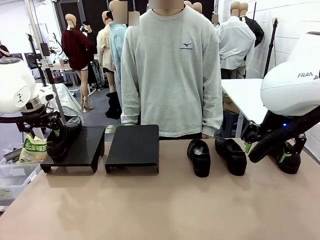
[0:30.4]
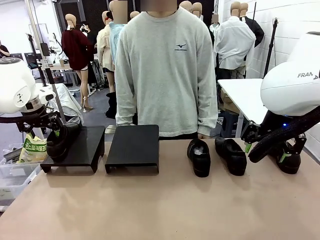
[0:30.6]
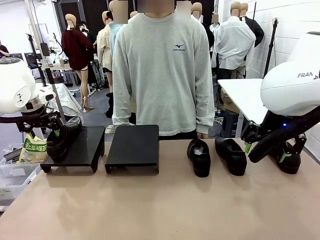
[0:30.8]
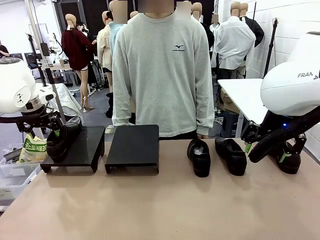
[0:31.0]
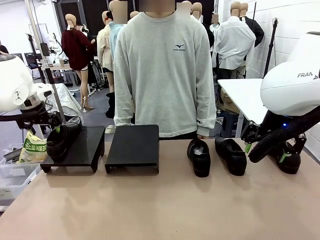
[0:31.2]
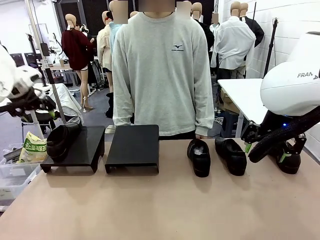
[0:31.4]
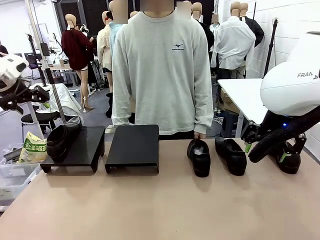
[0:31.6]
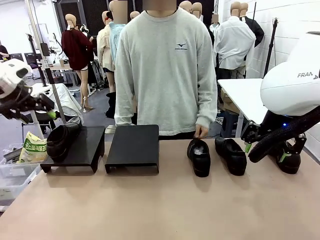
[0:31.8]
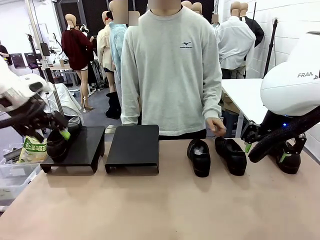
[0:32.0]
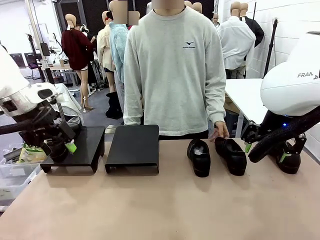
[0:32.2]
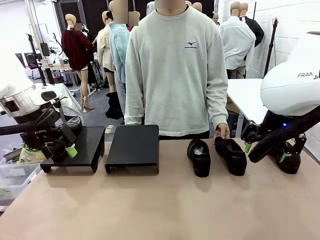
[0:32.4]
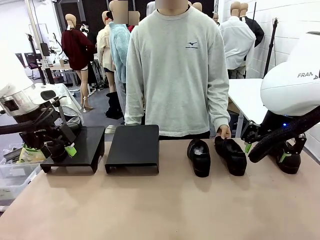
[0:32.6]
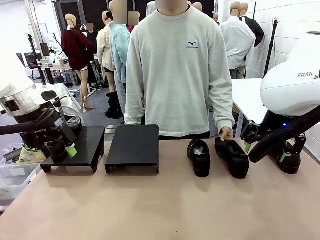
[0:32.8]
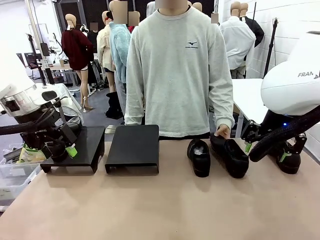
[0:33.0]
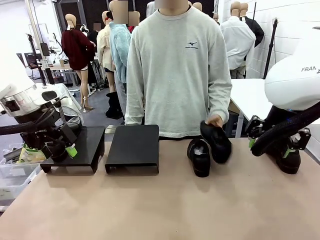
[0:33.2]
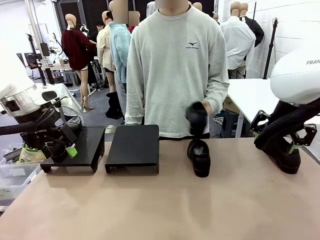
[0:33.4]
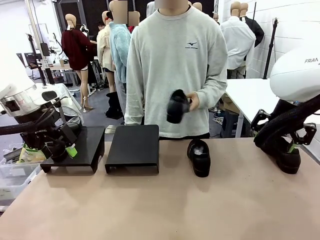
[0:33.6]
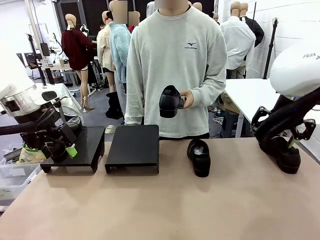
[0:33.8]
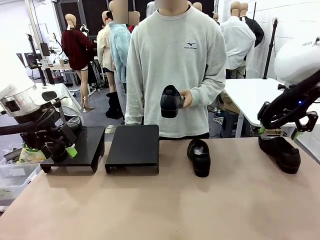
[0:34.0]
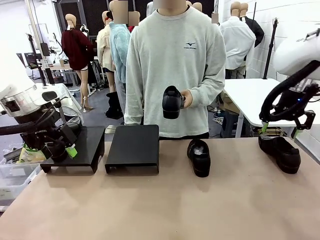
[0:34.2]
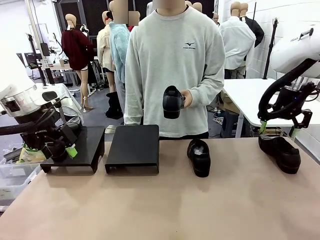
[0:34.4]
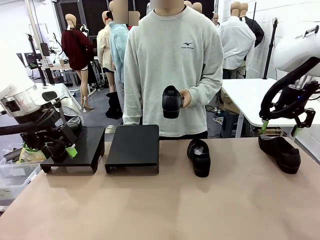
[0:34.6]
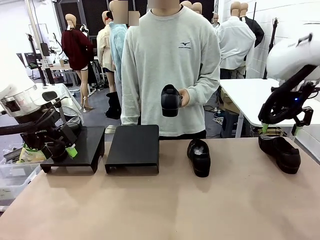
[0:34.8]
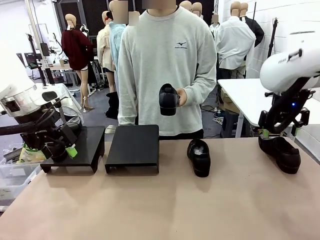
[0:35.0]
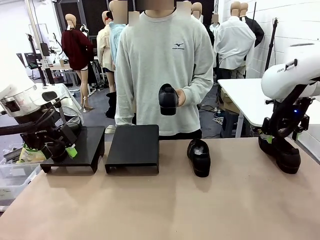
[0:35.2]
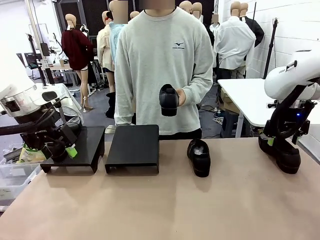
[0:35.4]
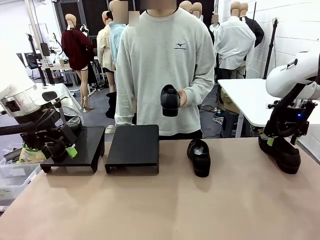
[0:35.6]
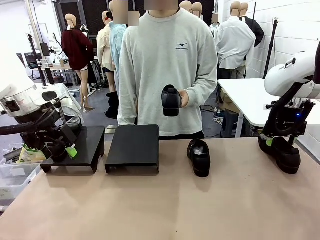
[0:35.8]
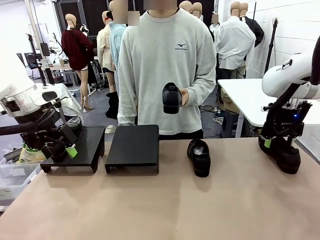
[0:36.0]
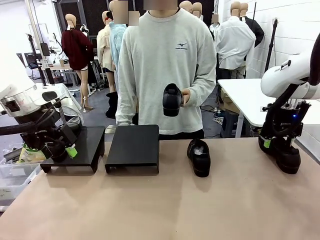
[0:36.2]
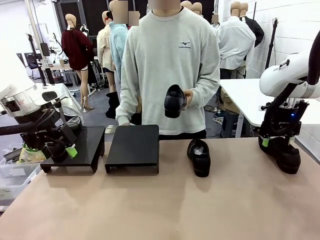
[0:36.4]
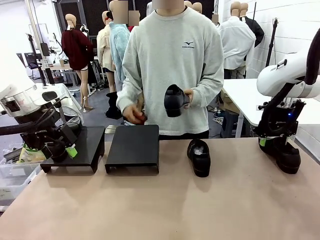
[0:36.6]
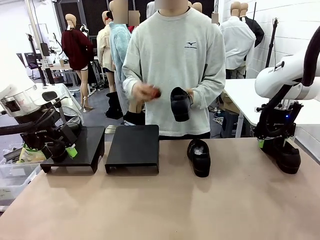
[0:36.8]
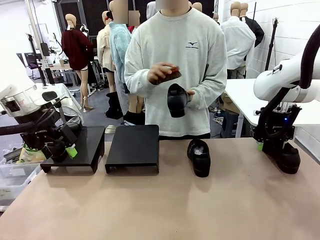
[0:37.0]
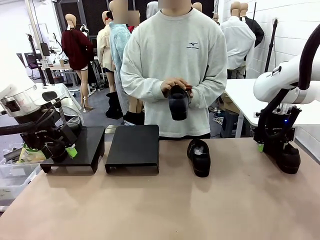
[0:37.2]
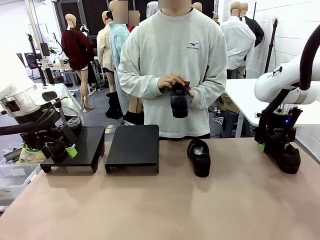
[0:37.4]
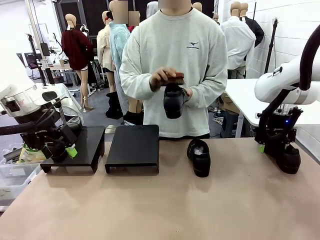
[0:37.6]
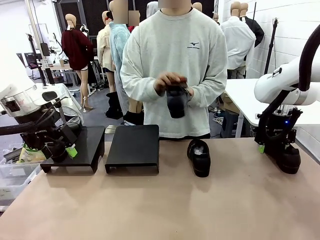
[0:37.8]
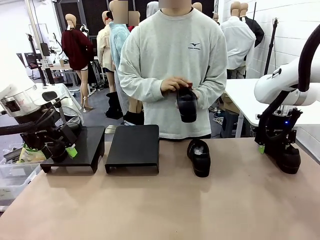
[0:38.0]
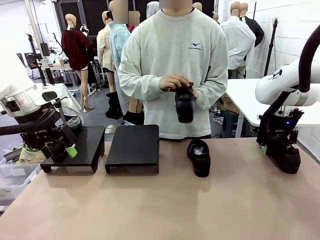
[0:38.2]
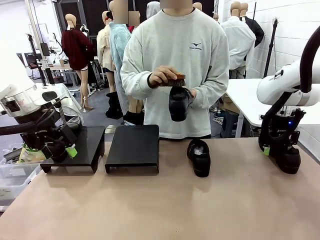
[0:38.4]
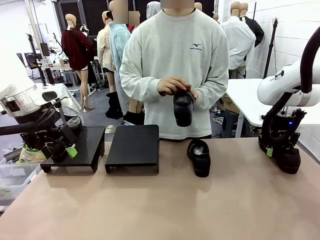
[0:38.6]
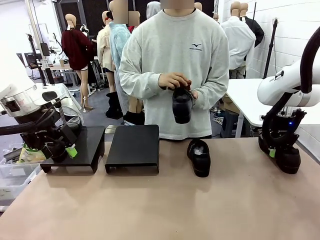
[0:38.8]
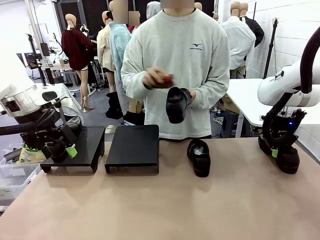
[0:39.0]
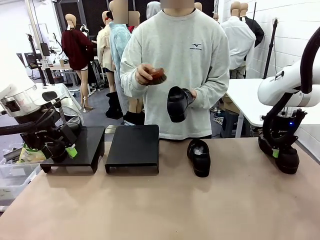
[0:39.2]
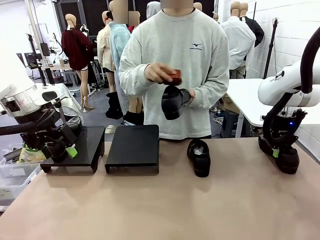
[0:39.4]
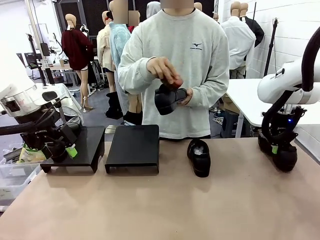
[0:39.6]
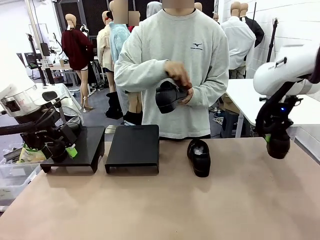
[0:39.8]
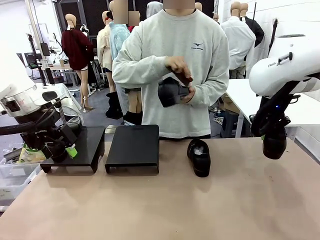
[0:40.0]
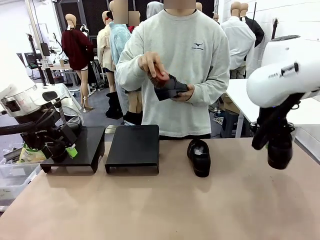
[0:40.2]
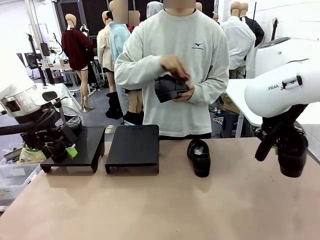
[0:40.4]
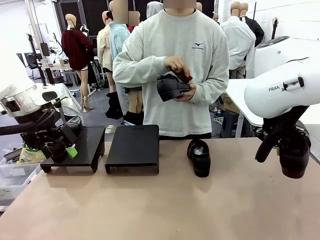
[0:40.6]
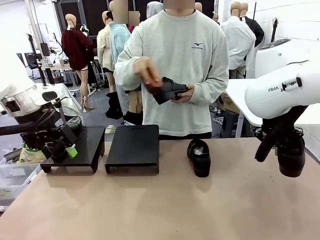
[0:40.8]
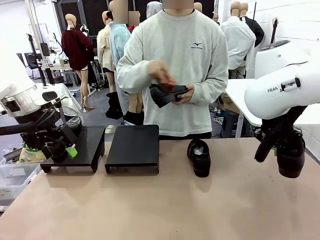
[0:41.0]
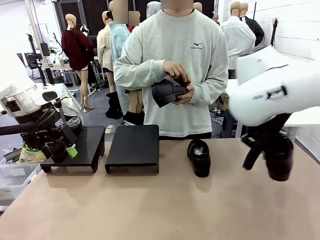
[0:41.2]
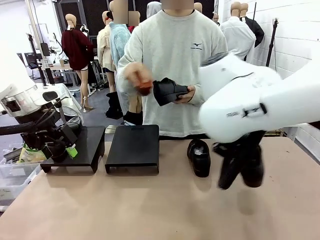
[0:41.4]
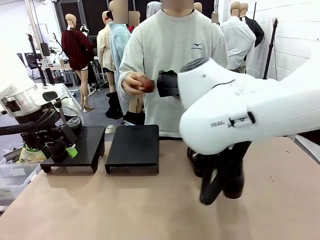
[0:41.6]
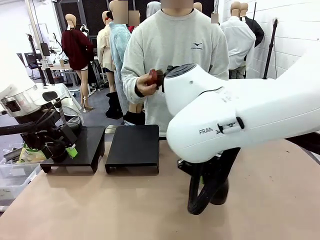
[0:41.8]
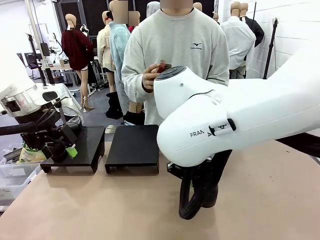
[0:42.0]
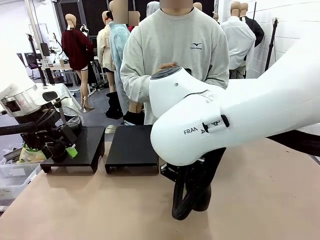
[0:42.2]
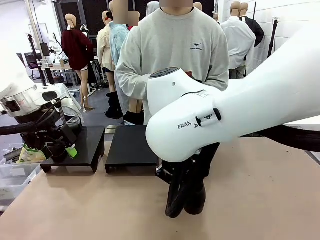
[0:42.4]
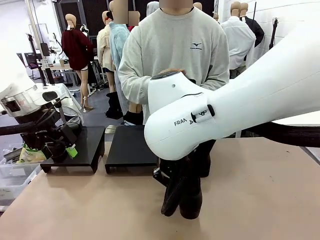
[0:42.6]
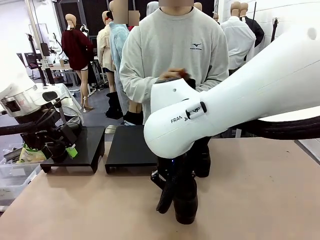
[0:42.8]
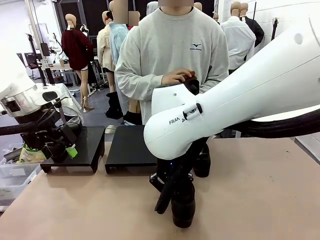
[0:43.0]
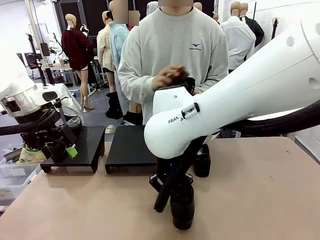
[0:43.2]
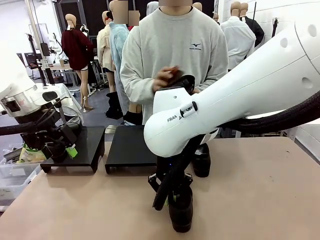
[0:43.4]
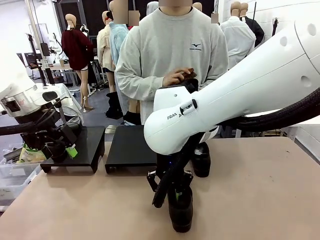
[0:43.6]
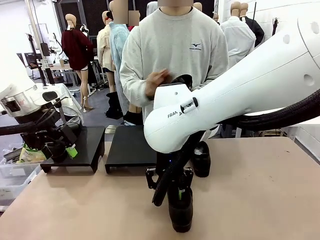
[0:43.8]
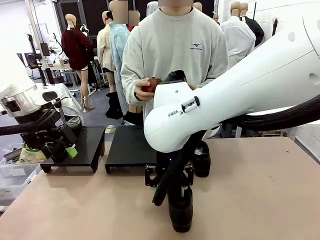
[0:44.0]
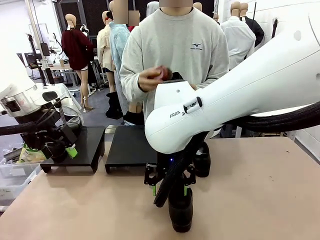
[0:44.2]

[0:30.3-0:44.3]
Task: Organize the shoes by placing them on the stand.
Robot: Pick up one Shoe and place it in the middle of the table.
Person: Pick one Shoe on Robot's table. Clean the Shoe with the Shoe Brush.
